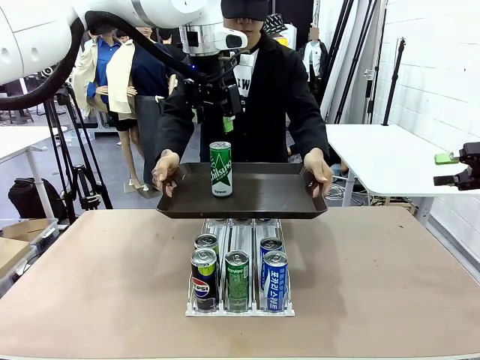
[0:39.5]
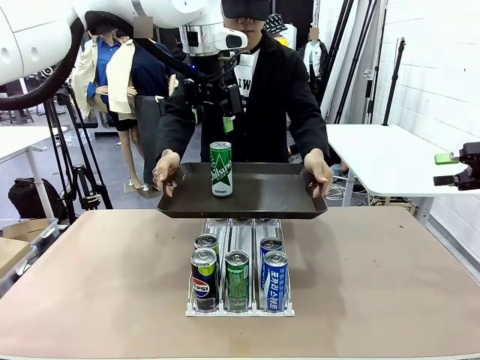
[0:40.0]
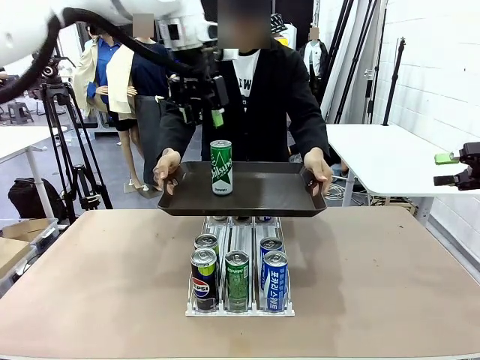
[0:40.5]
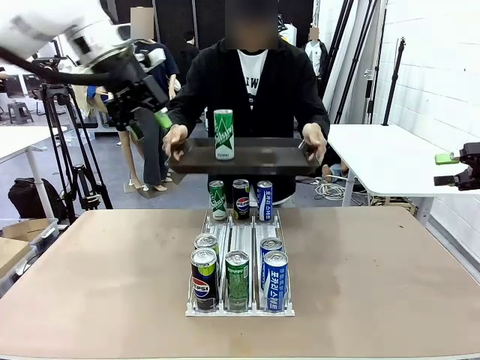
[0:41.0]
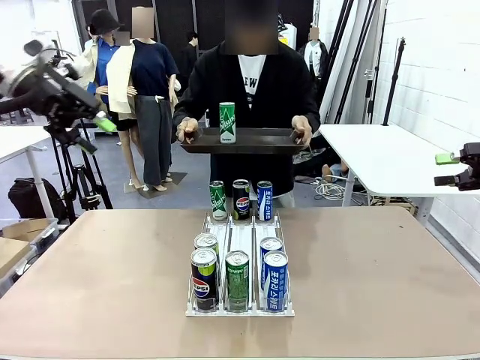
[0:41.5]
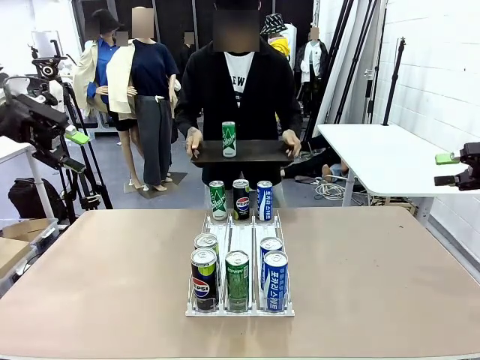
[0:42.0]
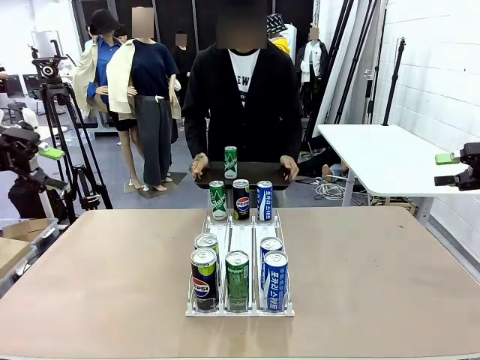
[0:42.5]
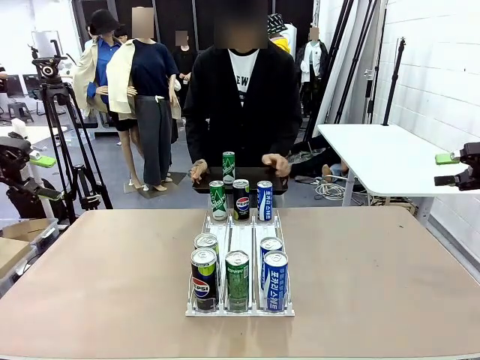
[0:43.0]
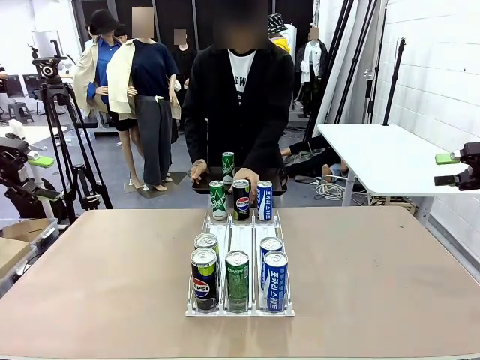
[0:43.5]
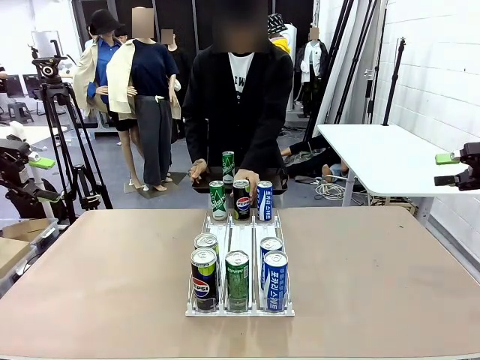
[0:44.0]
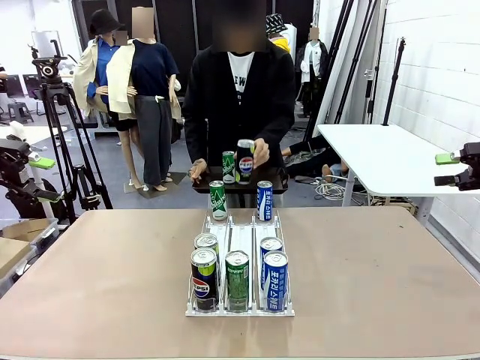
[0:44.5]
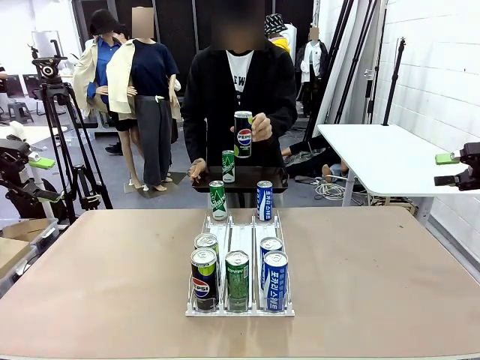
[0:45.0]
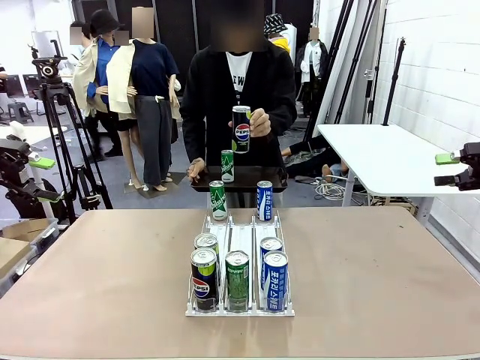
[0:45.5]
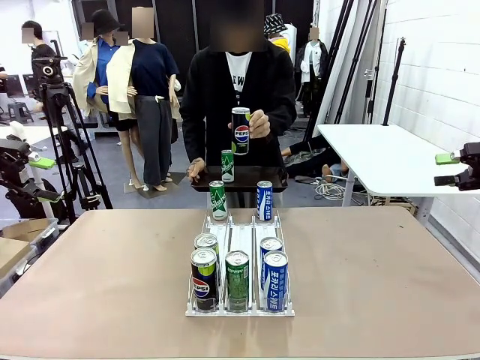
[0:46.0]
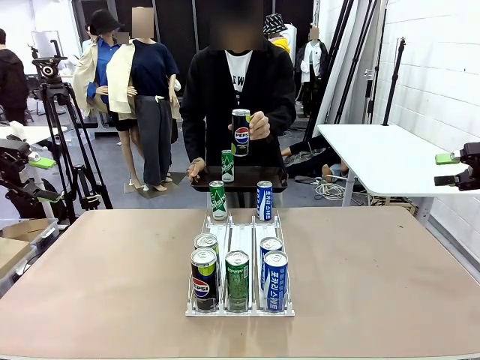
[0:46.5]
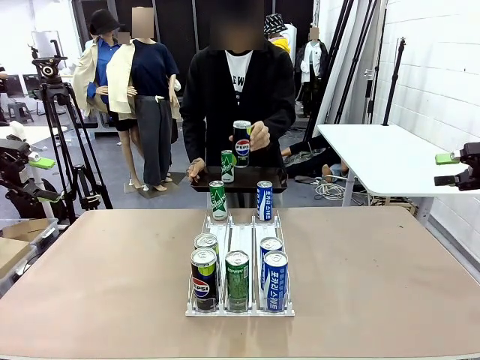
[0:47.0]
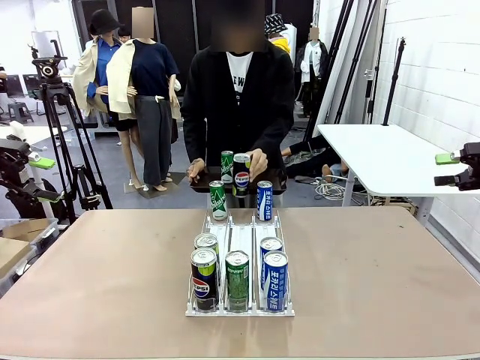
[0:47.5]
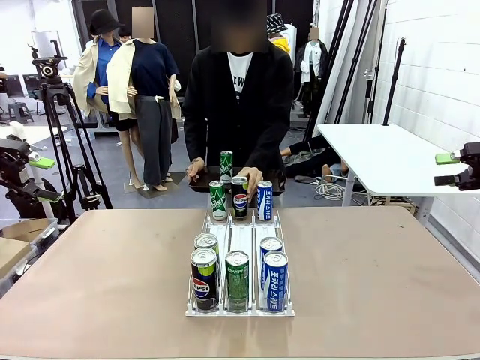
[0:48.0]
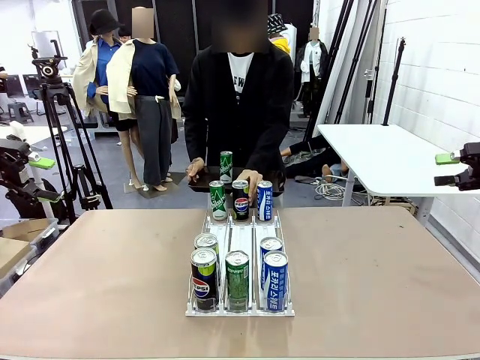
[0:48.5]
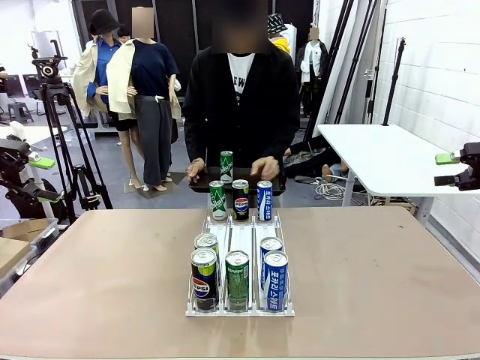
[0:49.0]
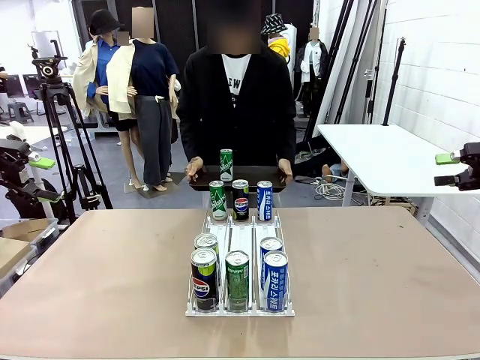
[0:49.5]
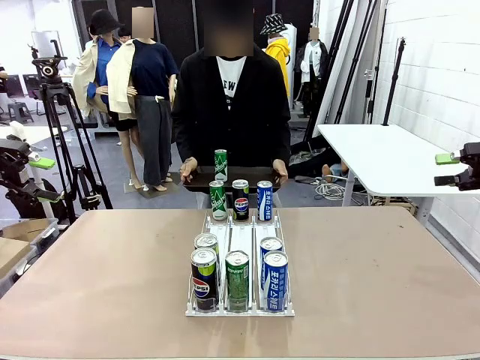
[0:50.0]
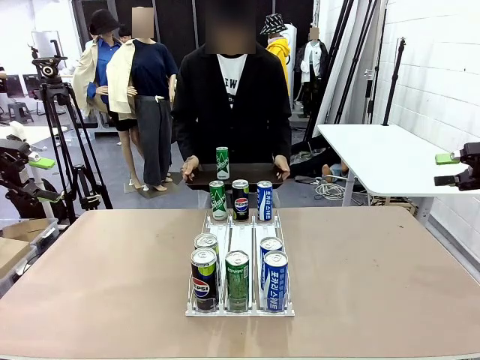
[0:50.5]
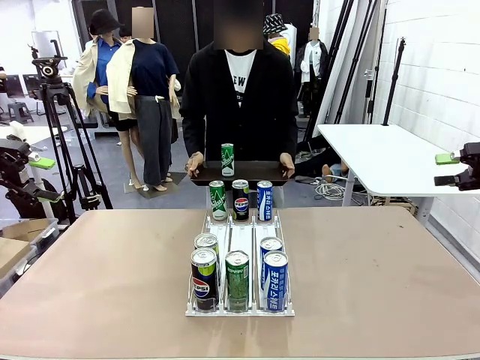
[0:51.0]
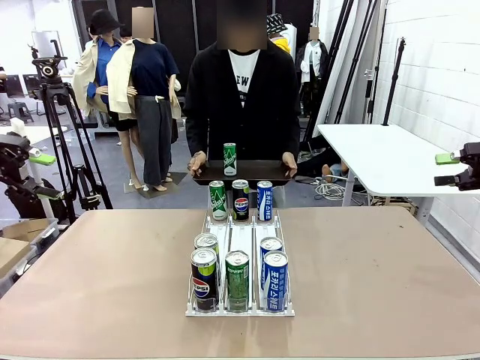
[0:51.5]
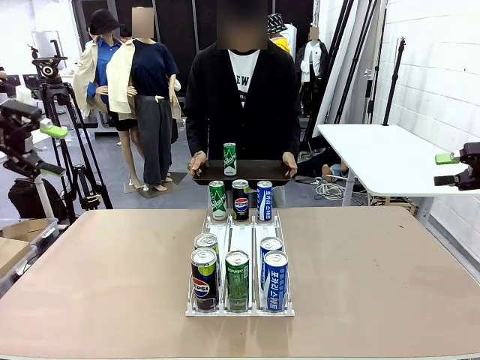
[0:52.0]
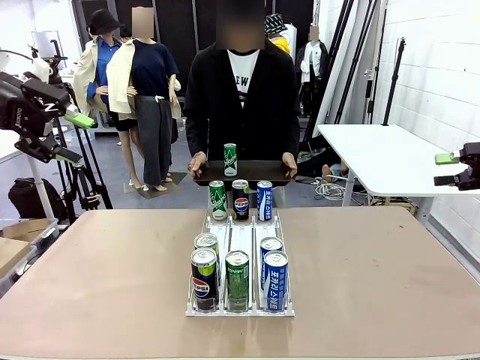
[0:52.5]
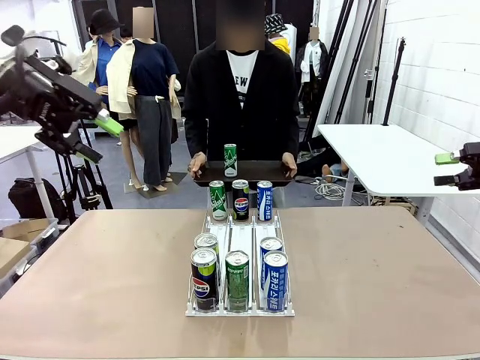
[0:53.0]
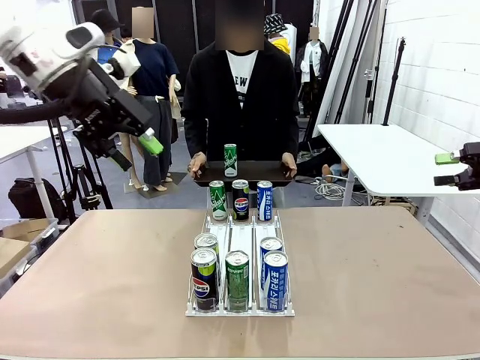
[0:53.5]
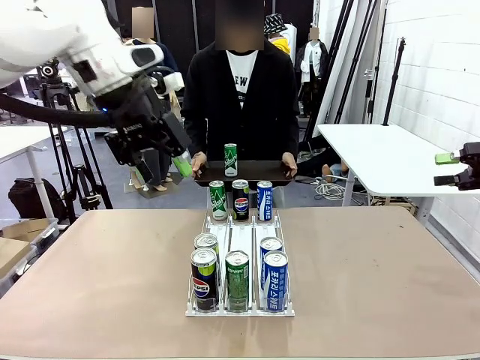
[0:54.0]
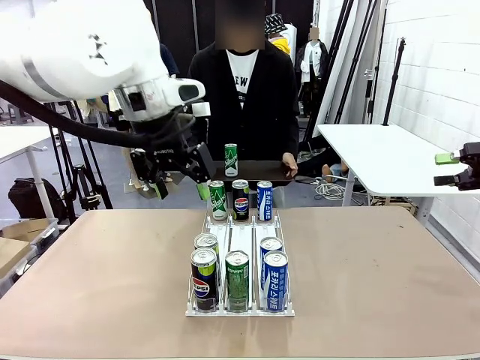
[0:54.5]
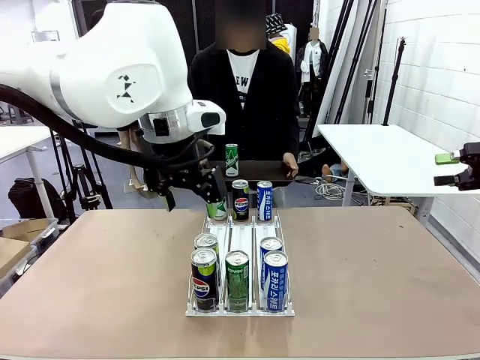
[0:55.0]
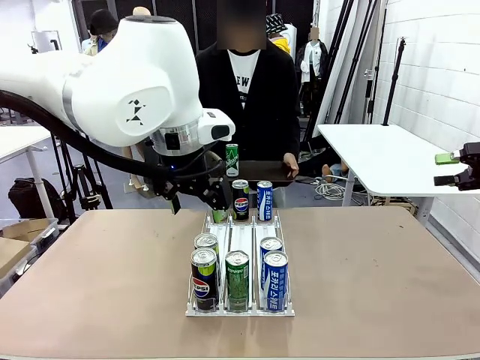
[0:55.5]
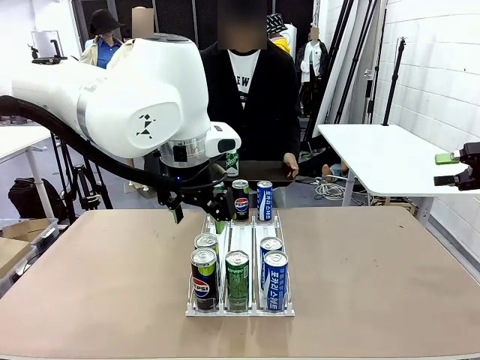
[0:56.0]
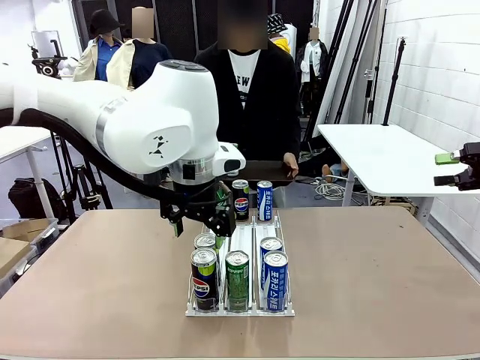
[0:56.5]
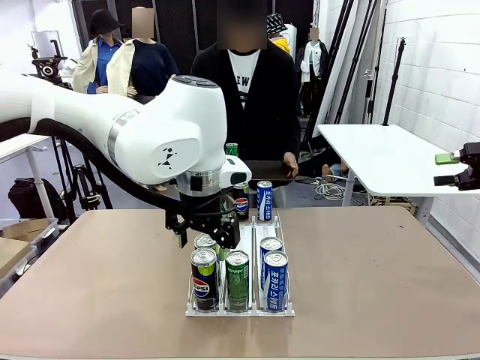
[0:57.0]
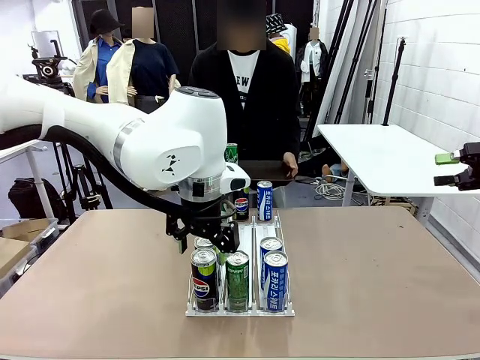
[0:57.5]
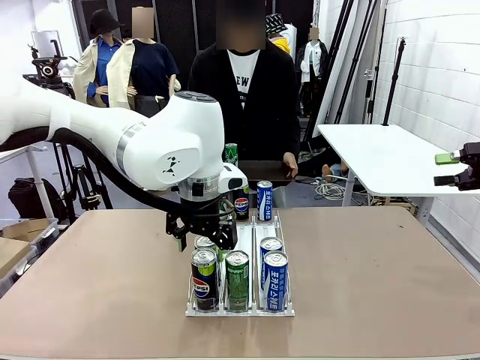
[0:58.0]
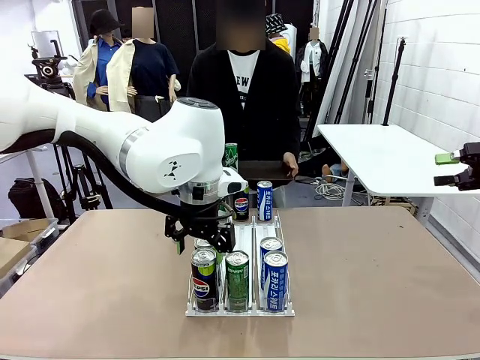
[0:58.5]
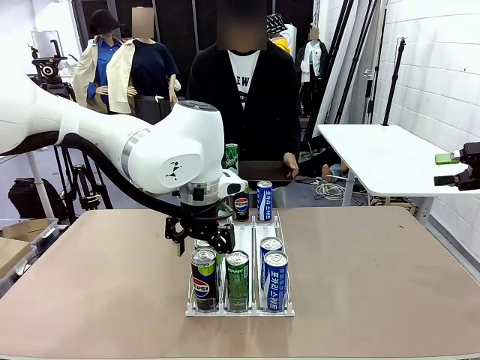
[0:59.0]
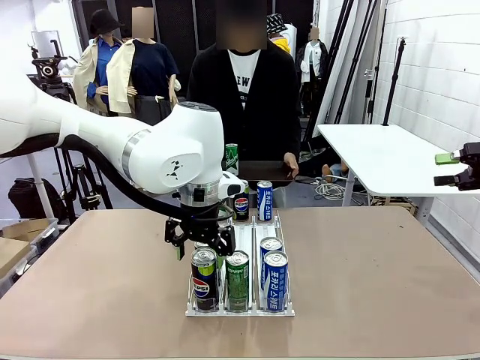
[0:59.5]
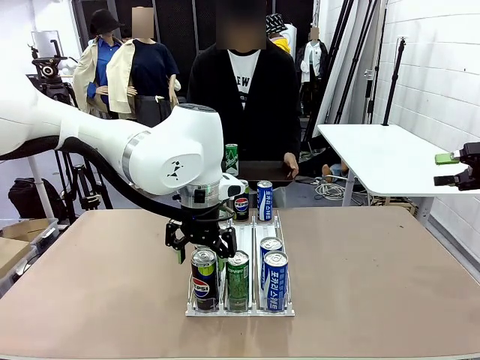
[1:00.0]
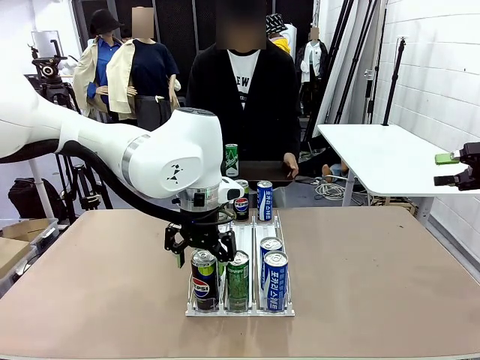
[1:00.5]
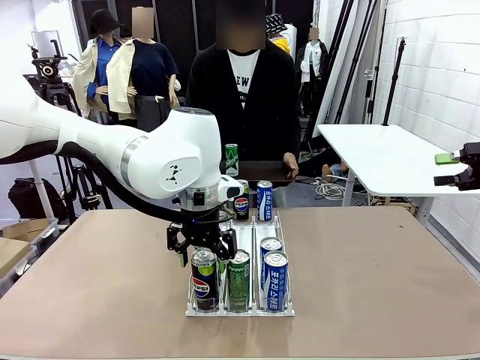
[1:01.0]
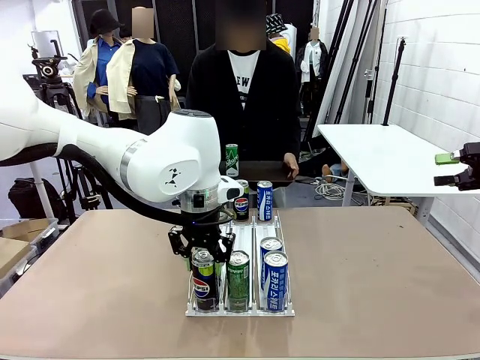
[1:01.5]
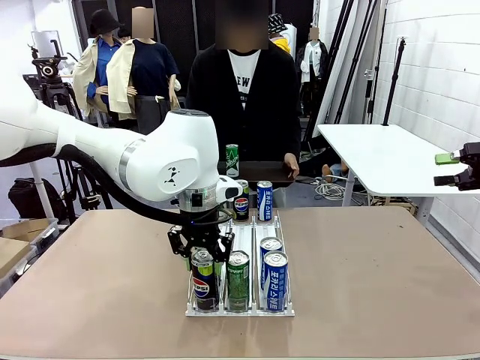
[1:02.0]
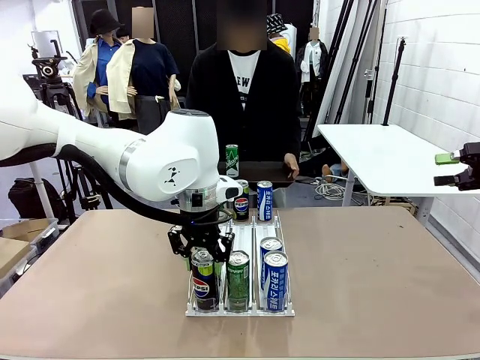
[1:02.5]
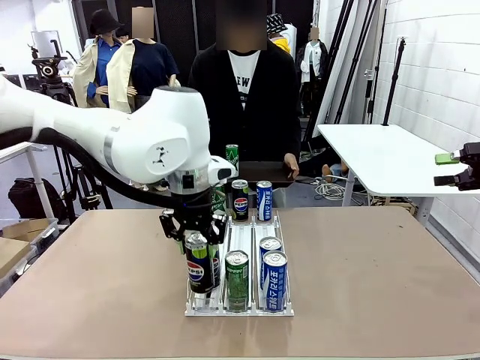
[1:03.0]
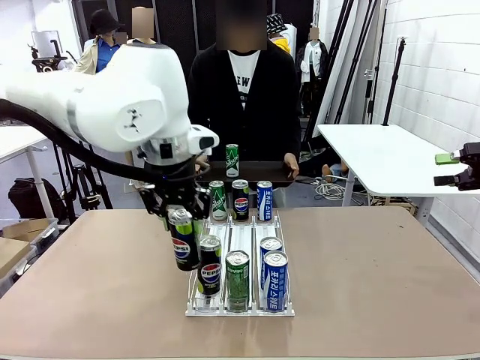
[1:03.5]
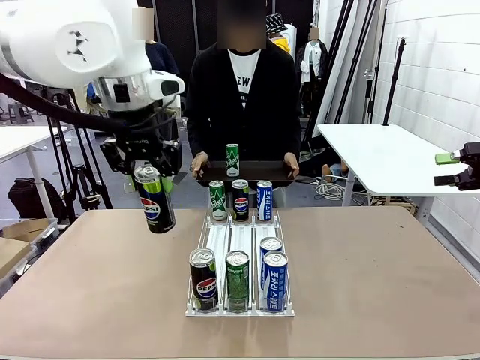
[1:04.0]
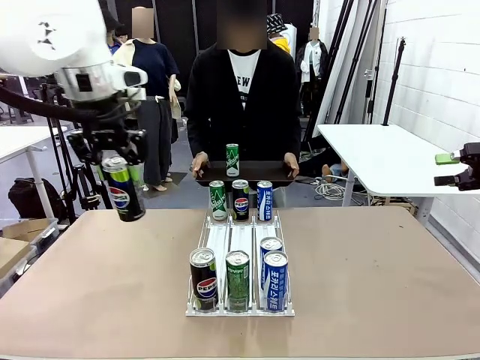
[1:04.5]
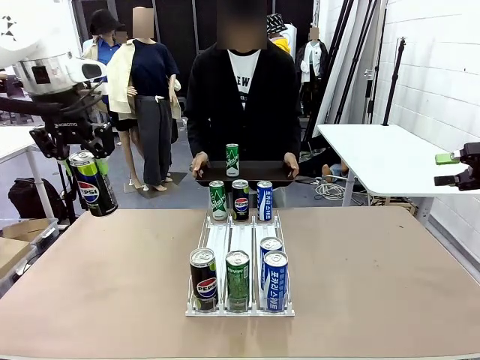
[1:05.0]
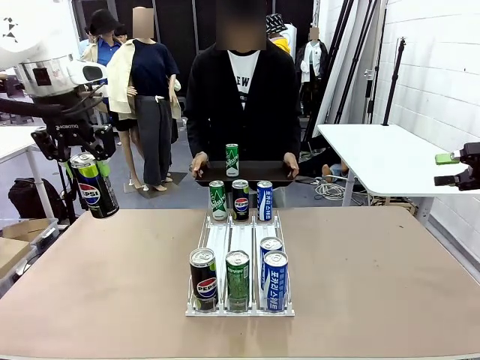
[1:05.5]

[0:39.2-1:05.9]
Task: Retrieve and hand over the desired beverage to the person.
Robot: Pick up another can of the same type that the person held from the Automatic Can Dispenser.
Person: Pull the tray back, then pick up another can from the bottom area of the table and puts it back in its original place. Push the tray toward the robot again.
